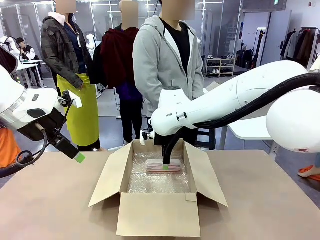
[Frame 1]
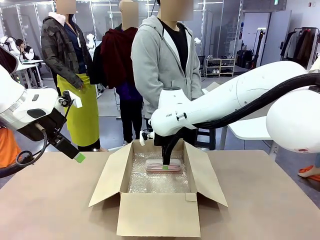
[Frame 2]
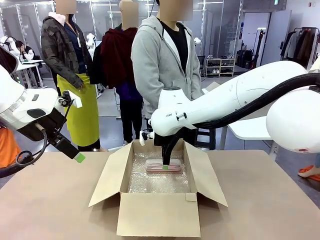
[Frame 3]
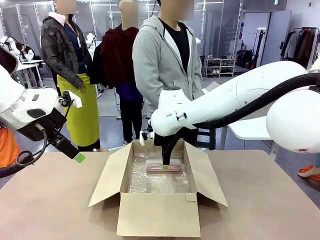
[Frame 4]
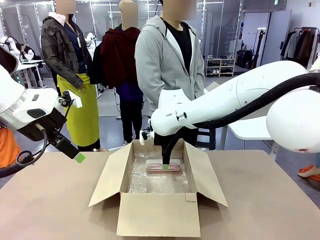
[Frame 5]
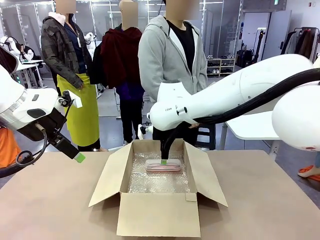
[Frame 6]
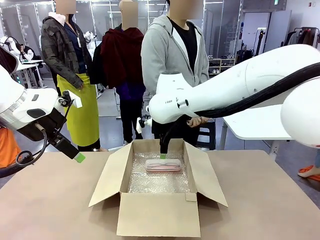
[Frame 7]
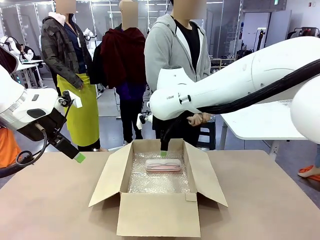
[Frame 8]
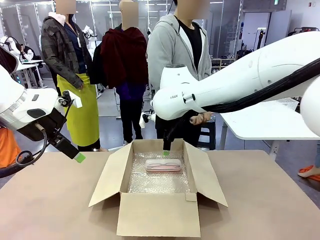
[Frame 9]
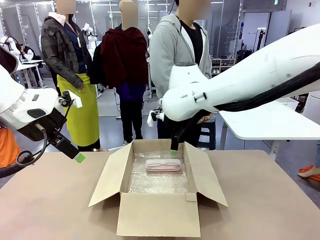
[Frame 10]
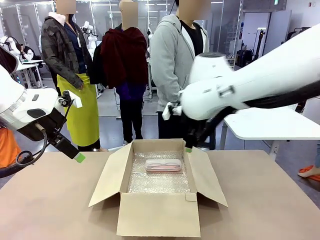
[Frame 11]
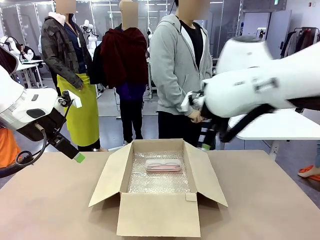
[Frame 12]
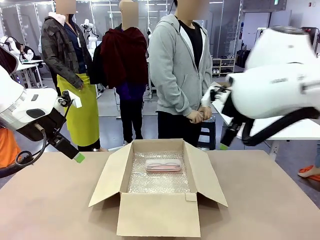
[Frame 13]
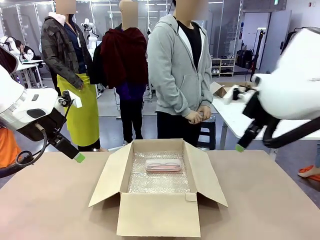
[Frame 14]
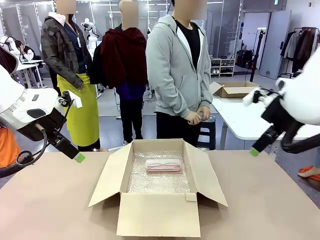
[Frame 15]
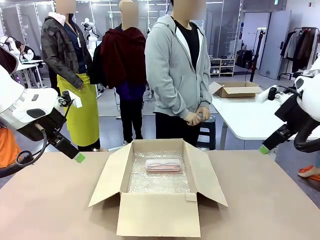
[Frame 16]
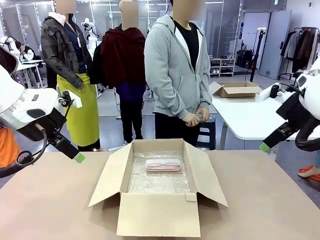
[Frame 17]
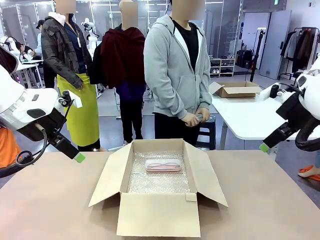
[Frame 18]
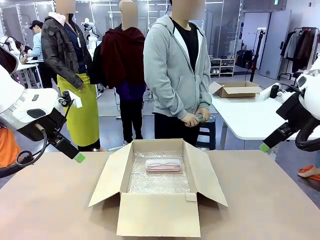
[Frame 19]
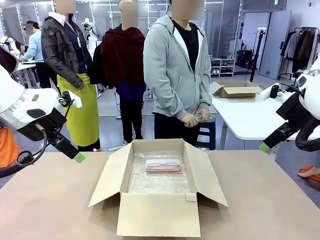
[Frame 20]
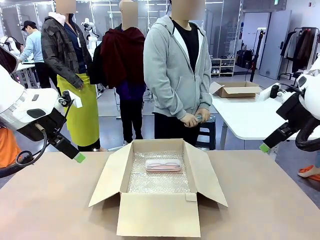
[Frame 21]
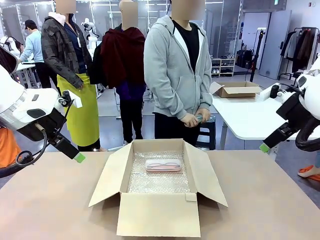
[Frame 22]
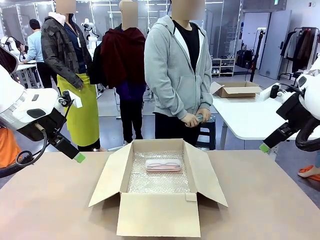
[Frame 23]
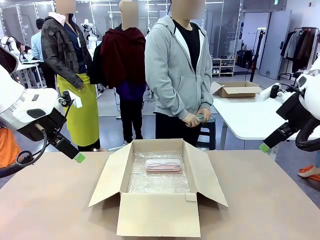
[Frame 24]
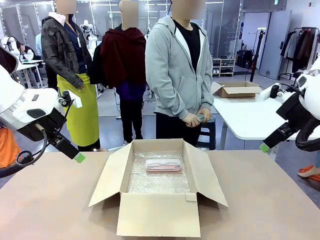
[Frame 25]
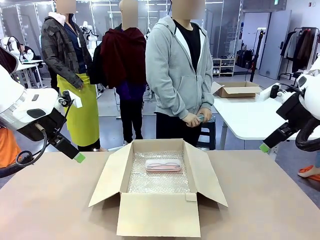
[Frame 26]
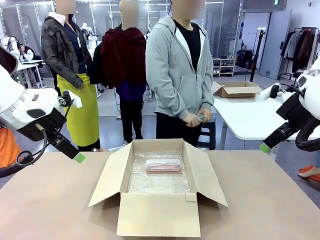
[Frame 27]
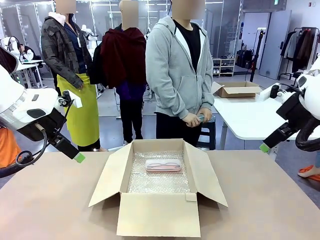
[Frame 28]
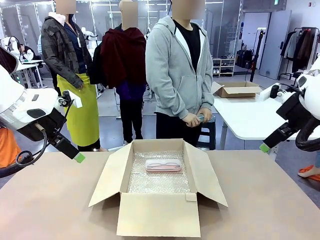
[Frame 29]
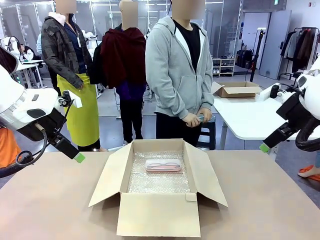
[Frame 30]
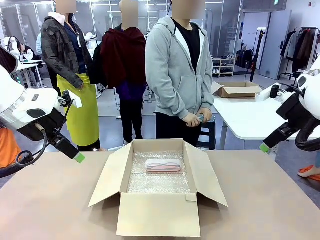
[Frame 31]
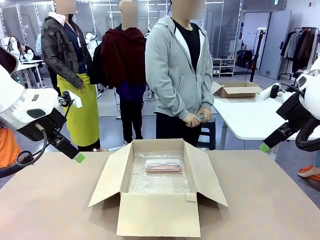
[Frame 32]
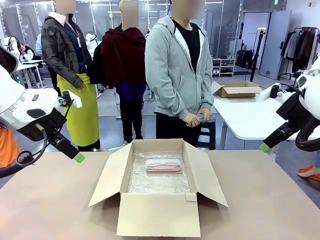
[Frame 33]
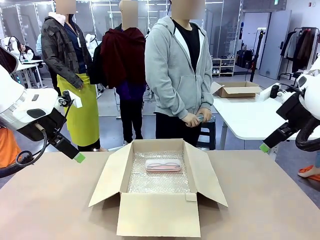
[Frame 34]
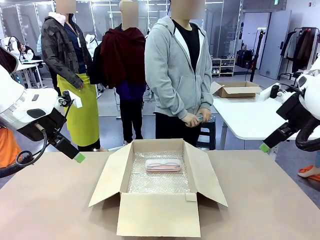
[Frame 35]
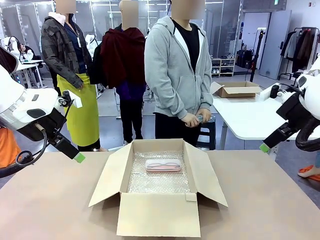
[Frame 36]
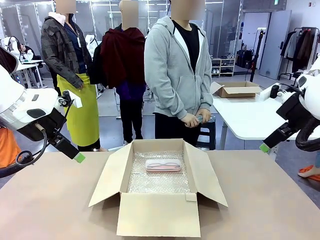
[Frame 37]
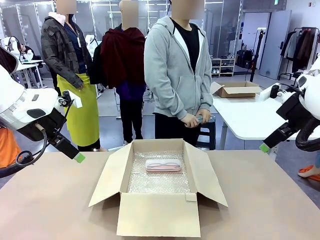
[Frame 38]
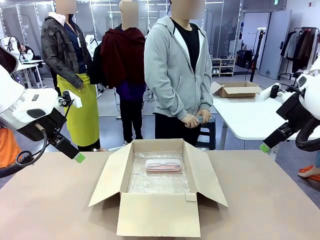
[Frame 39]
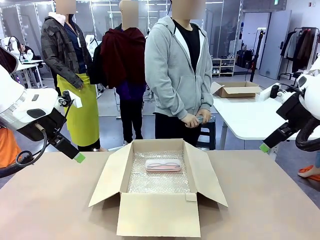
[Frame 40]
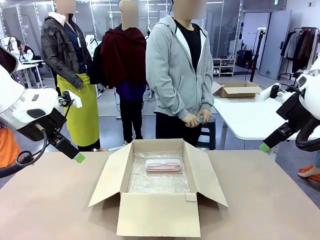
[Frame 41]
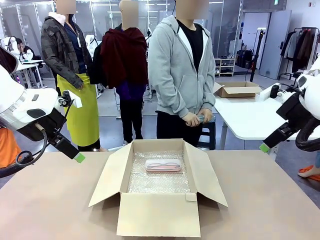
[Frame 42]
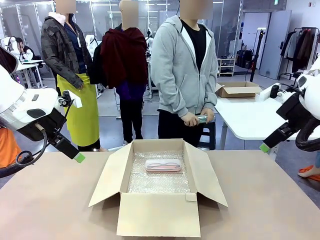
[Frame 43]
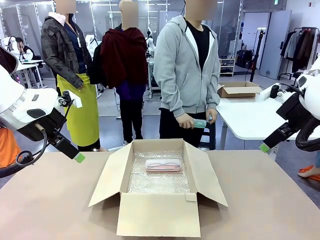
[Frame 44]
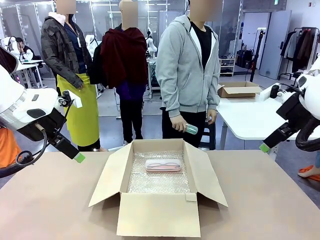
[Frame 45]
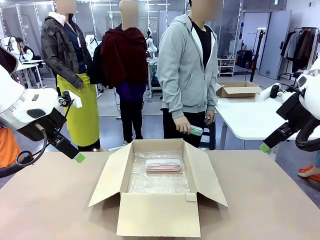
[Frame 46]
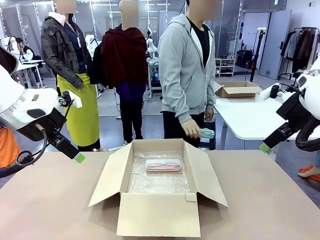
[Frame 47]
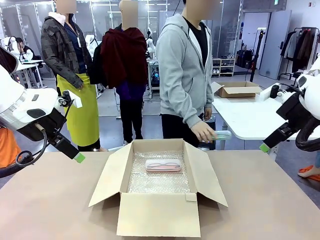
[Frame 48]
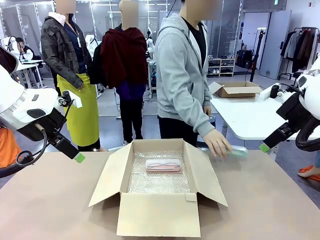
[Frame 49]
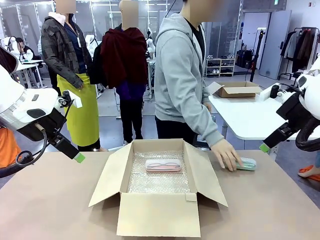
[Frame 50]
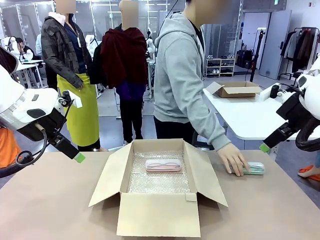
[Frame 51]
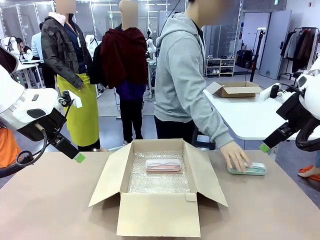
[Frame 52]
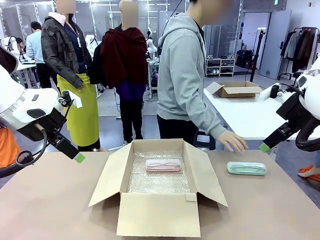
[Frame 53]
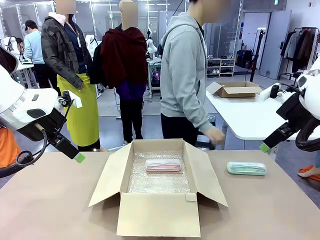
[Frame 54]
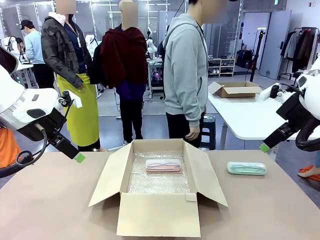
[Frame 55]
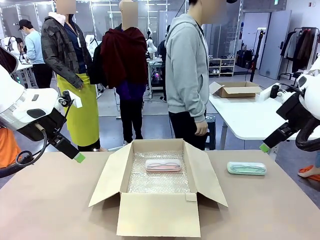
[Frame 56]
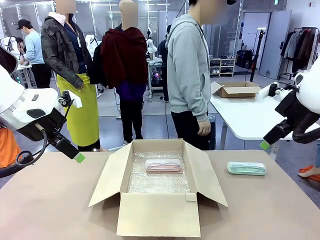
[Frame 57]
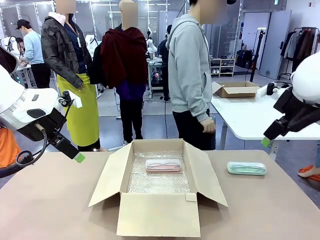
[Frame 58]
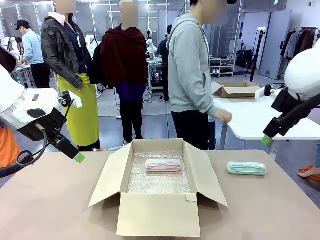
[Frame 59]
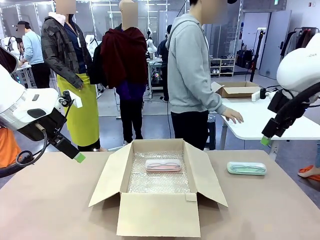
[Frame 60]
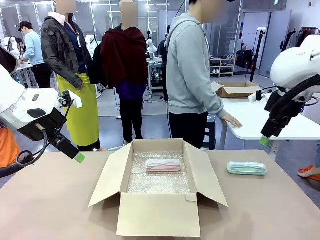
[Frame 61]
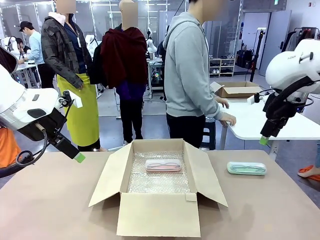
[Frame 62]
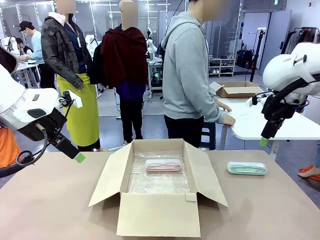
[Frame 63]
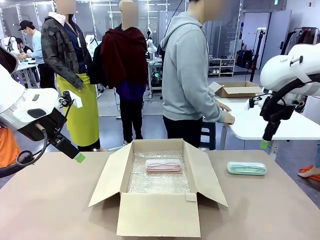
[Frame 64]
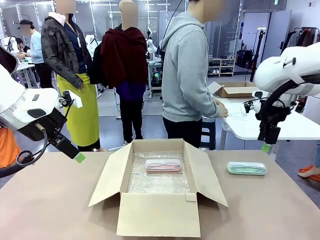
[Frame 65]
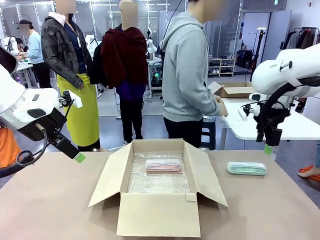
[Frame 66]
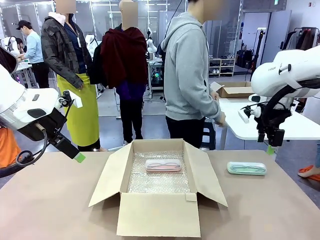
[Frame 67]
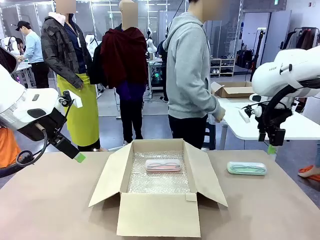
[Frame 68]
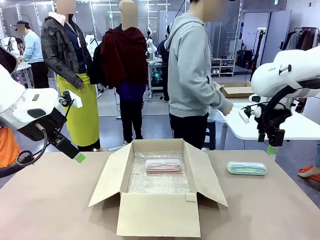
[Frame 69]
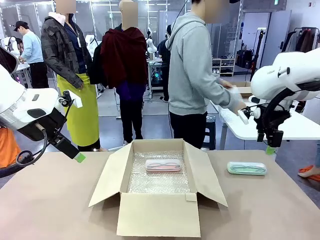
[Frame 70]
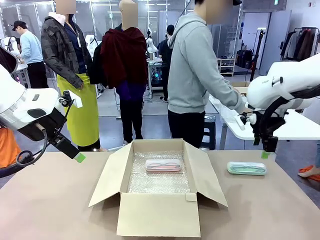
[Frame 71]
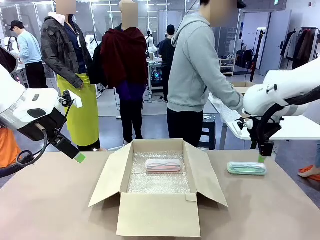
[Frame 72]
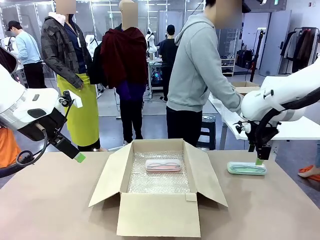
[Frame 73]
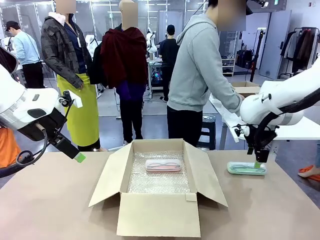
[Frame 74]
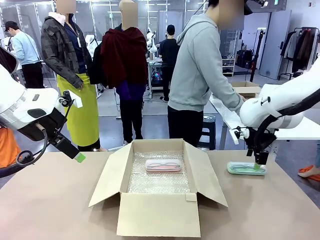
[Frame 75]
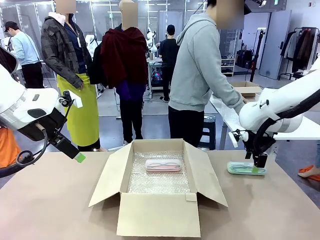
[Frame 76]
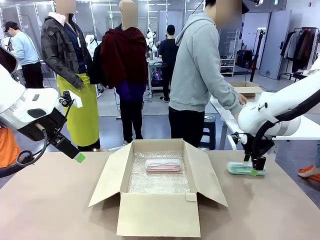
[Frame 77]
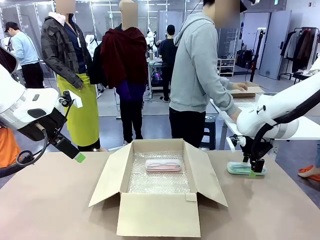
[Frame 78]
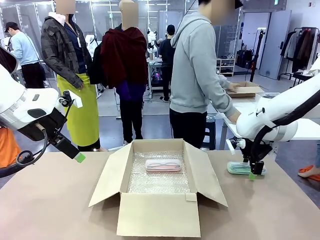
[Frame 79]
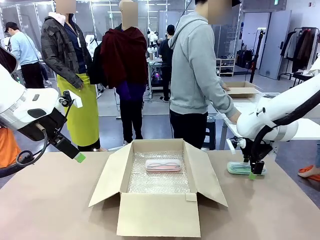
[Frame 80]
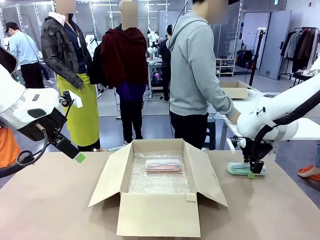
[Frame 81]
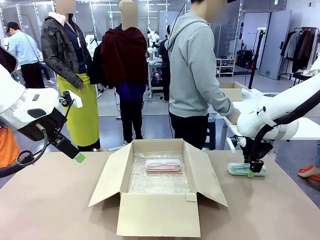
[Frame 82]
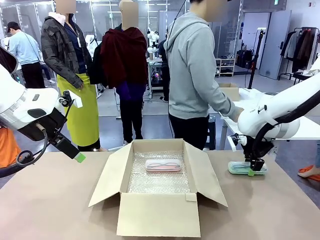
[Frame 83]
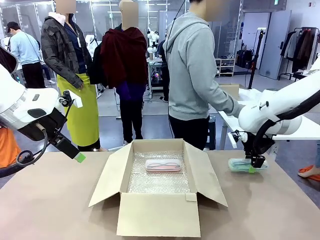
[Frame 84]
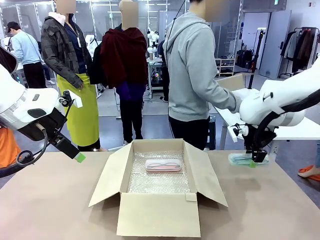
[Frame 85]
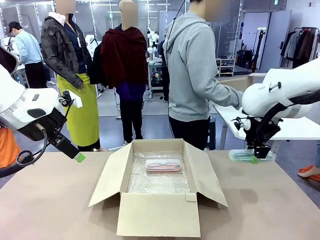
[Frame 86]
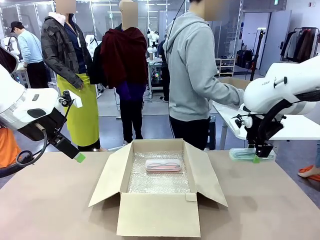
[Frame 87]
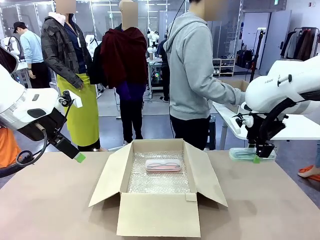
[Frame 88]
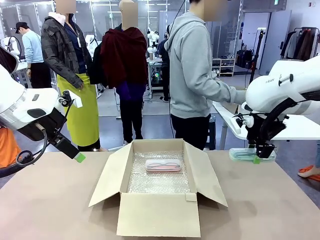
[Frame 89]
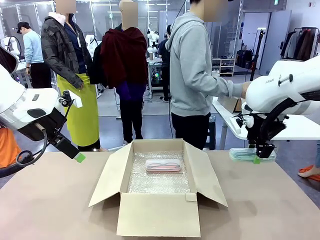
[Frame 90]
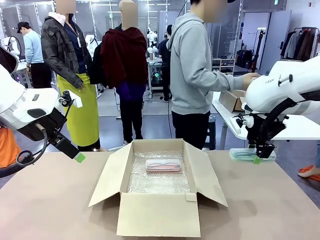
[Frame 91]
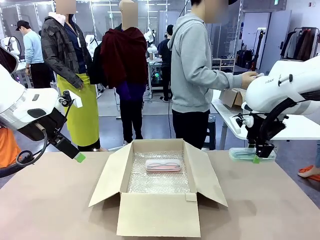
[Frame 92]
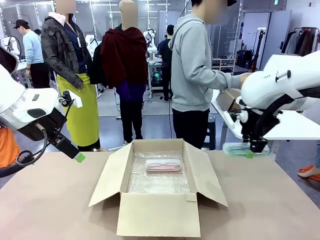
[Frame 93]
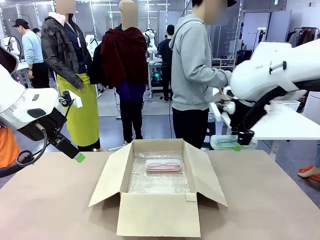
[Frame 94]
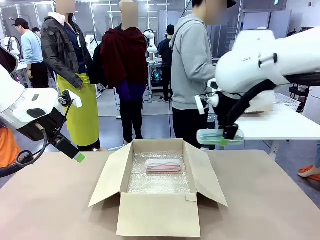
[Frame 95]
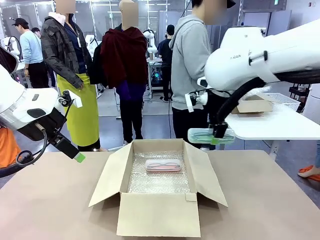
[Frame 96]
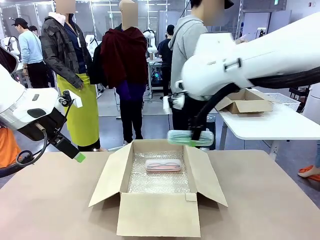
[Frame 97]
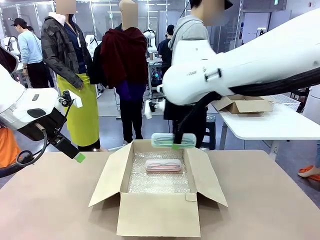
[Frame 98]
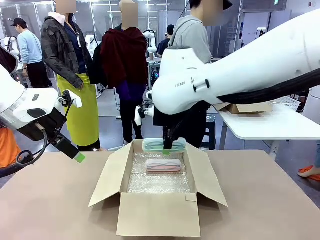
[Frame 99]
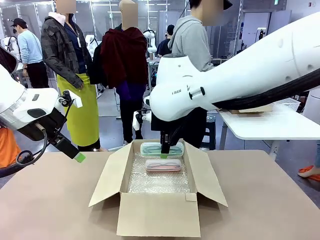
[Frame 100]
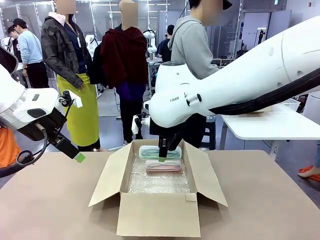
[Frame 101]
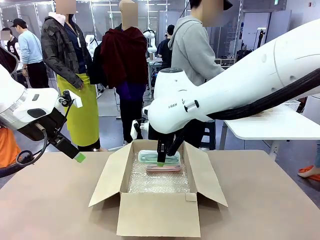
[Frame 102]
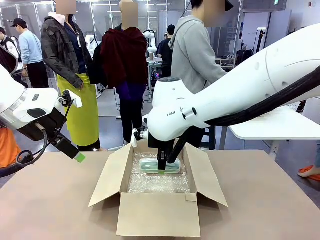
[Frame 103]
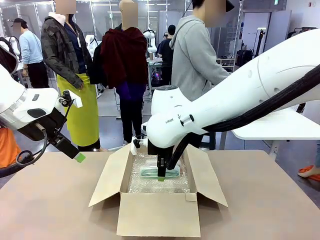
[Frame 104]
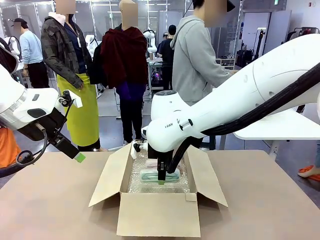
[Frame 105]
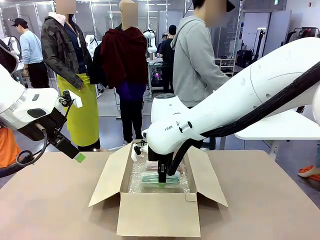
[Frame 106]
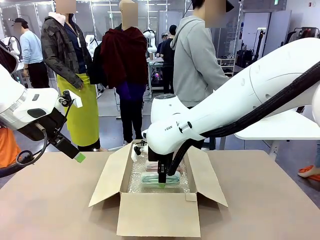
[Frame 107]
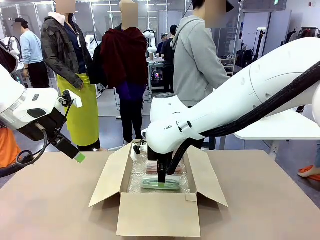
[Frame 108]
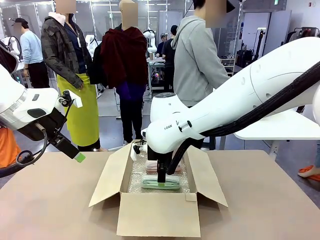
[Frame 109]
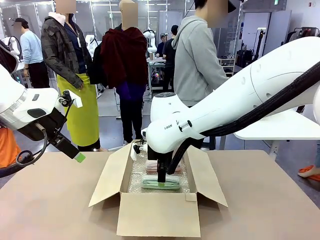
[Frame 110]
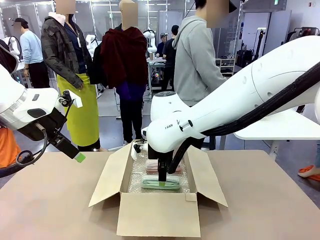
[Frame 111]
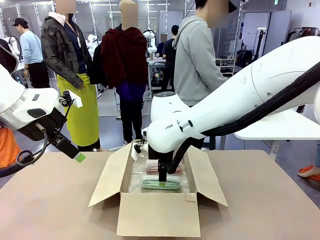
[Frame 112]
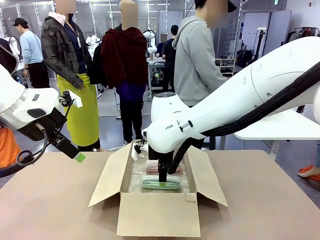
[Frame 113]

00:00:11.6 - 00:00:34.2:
Task: Pack the glasses set securely to prepare it for shipping.
Robot: Put the Glasses case from the right side of the table into the Package Box.
Person: Position the Glasses case on the left side of the robot's table.
